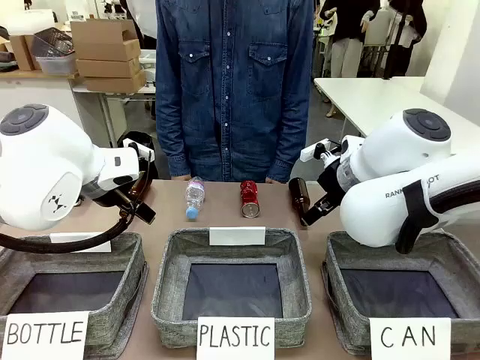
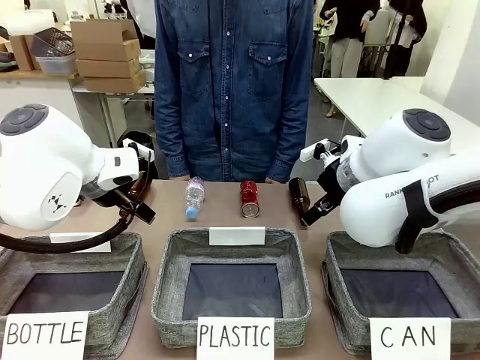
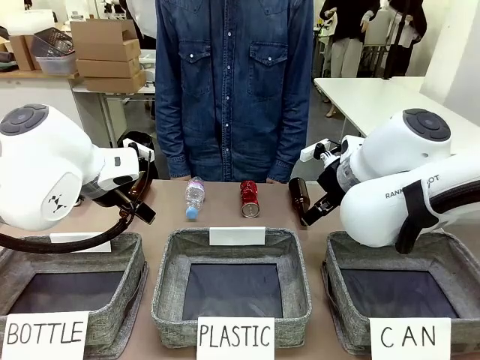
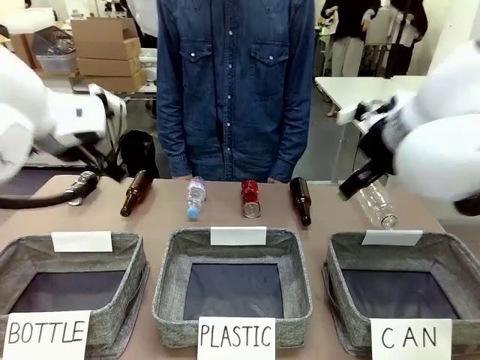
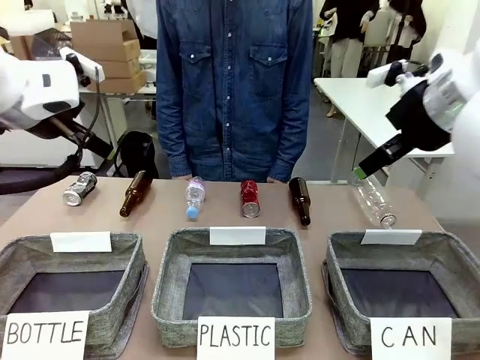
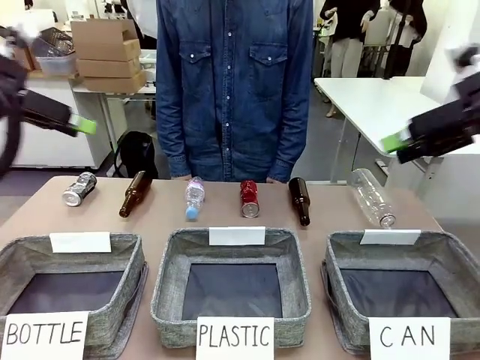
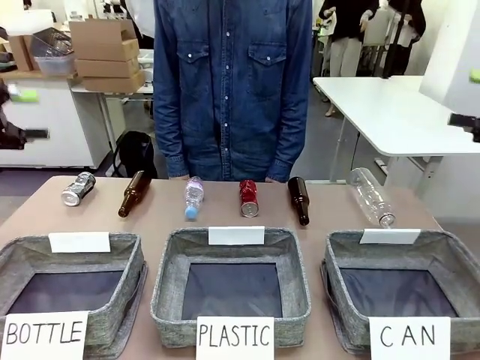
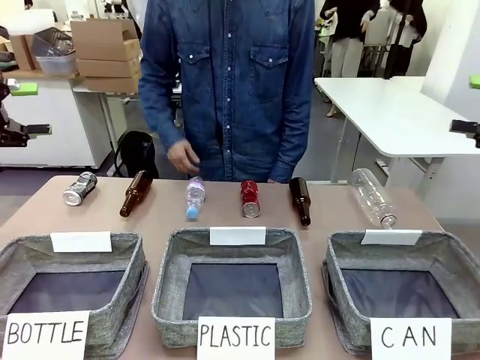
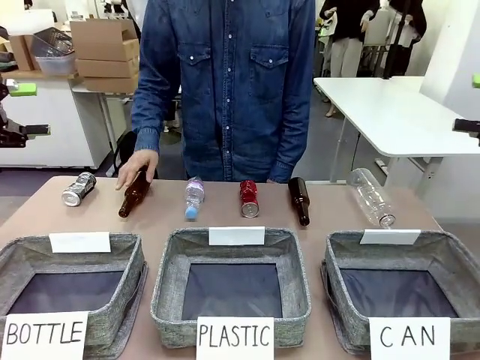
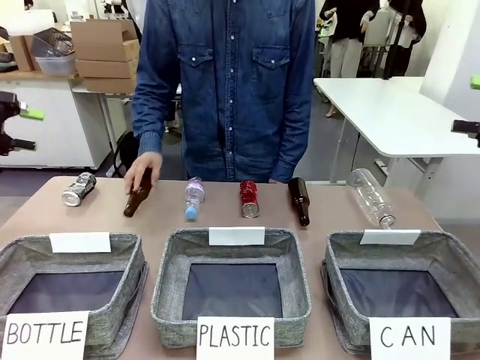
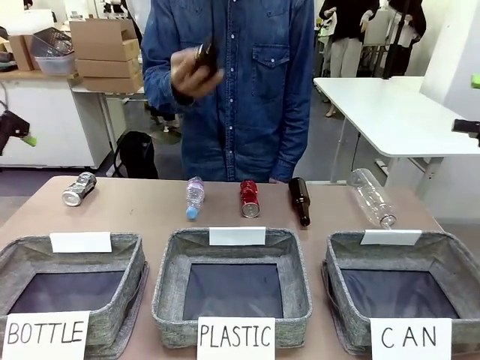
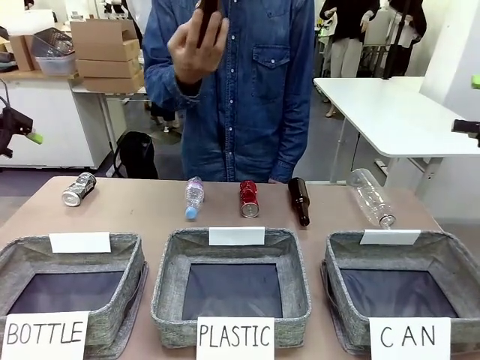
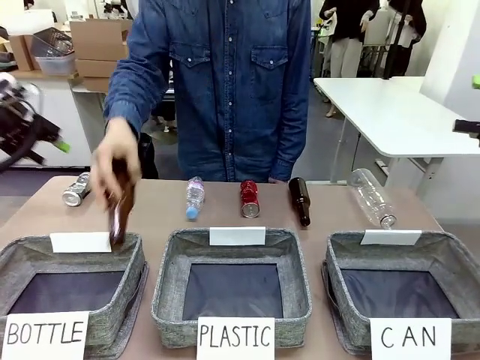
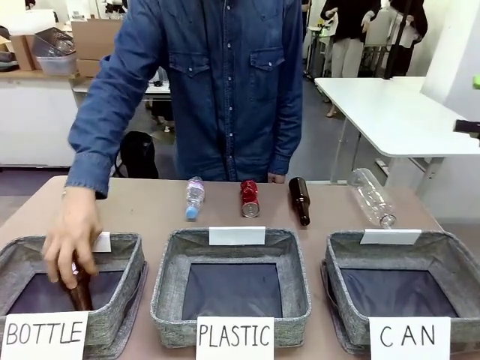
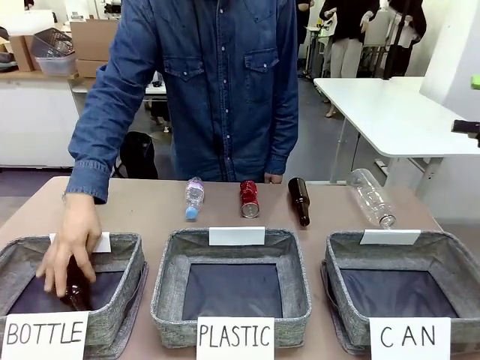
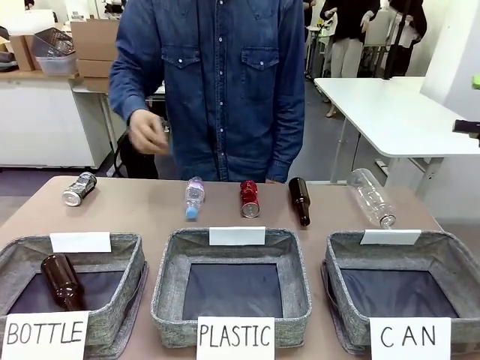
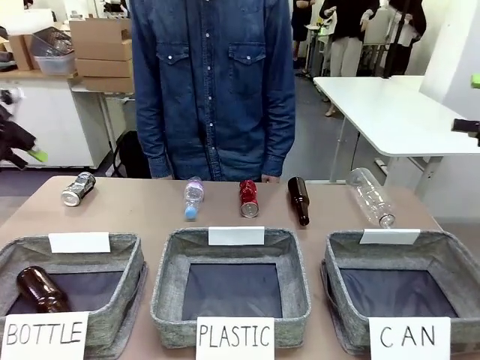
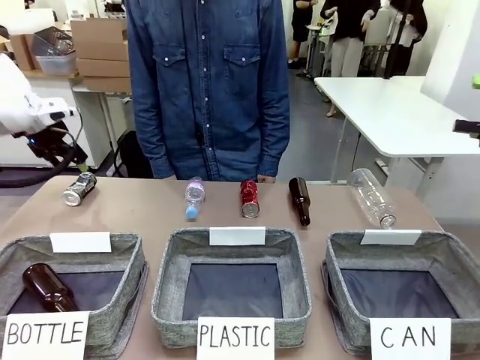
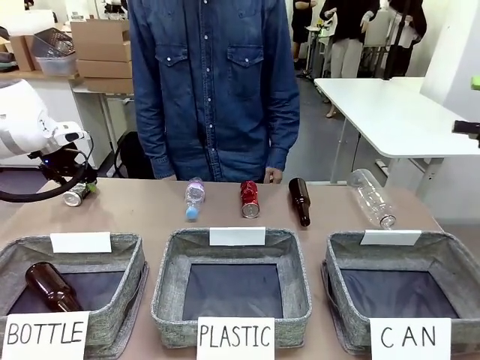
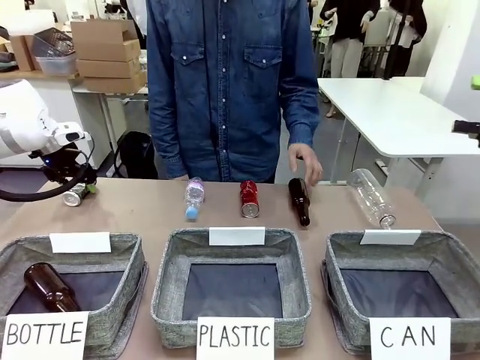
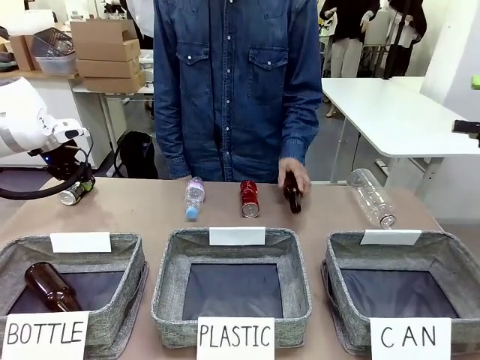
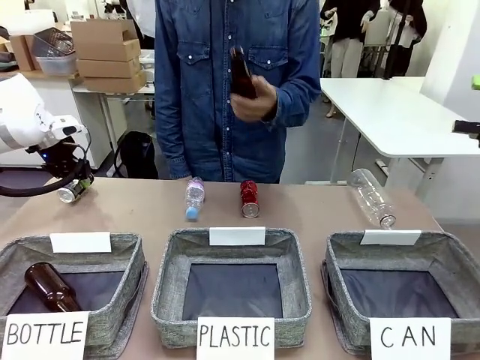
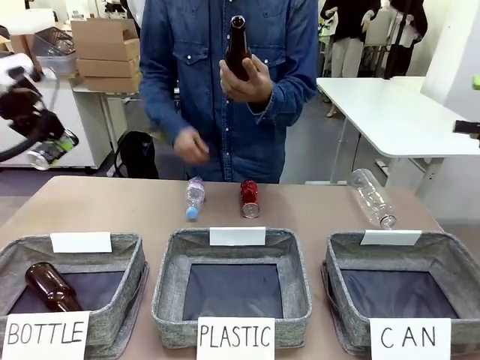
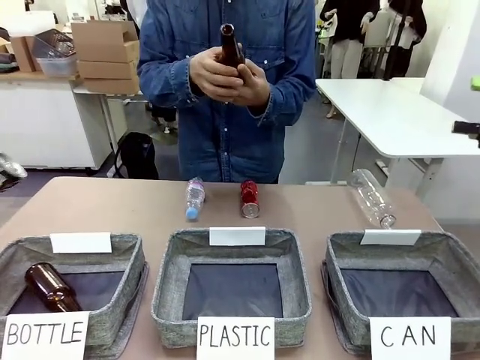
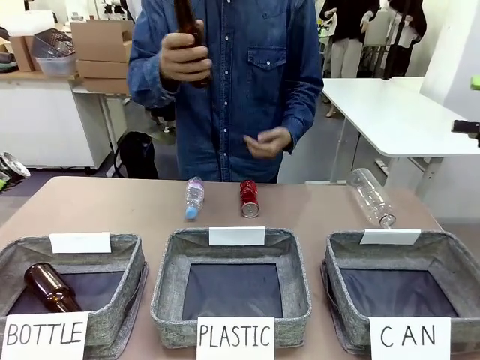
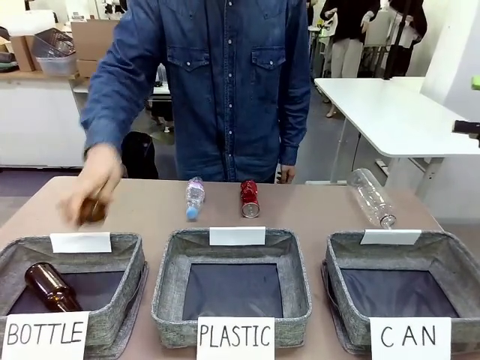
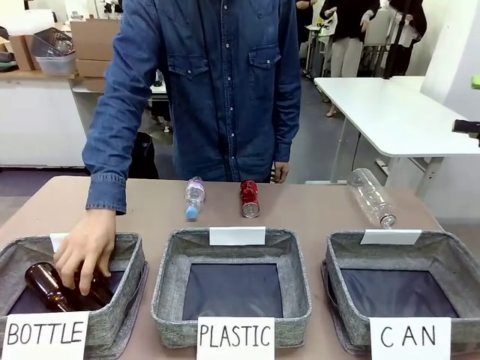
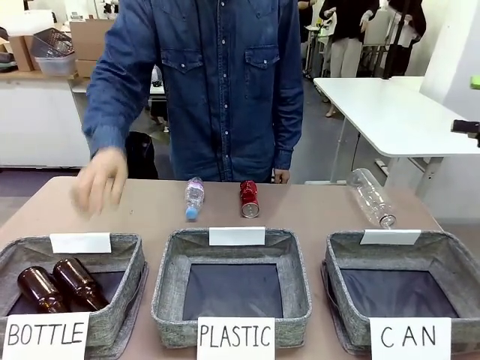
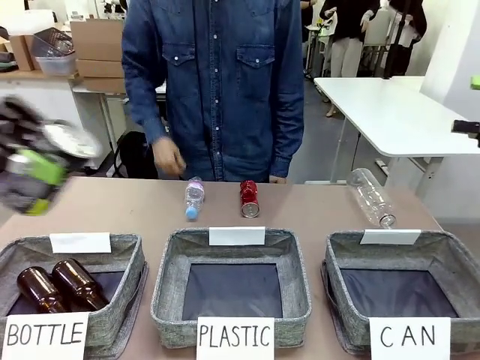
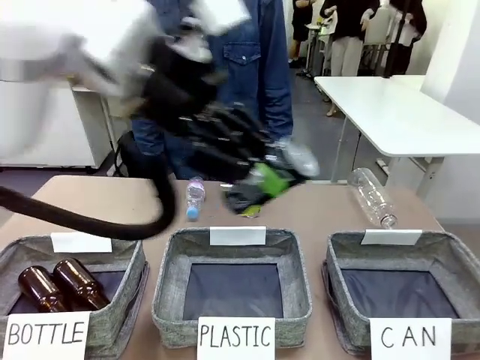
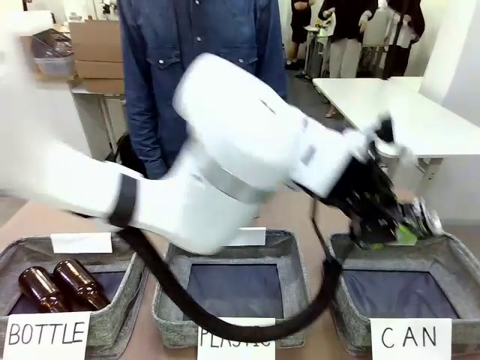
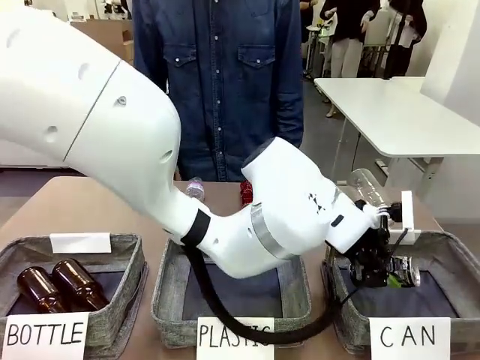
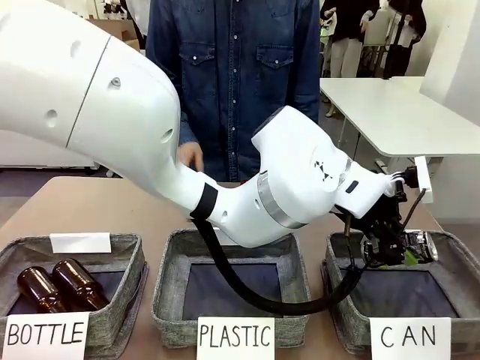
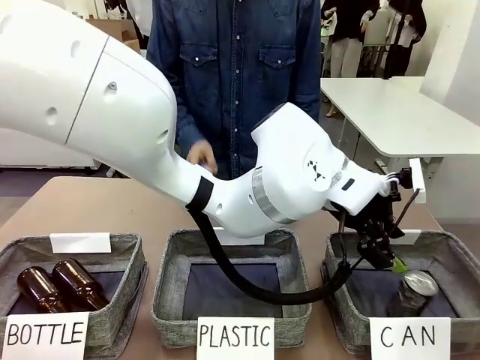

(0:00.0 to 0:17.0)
Task: Sort the can waste into the basket.
Robot: Pick up the can waste from the table and place it in the right Fabric basket.

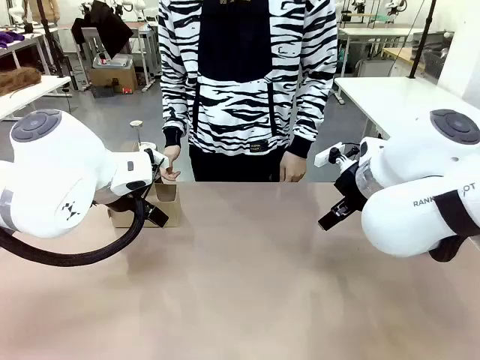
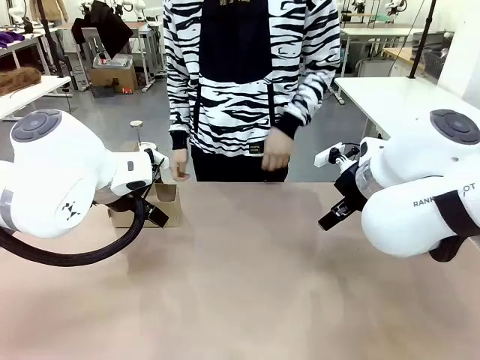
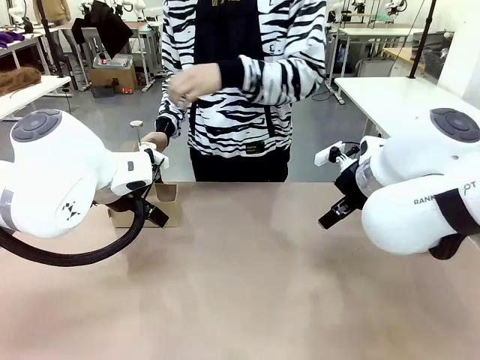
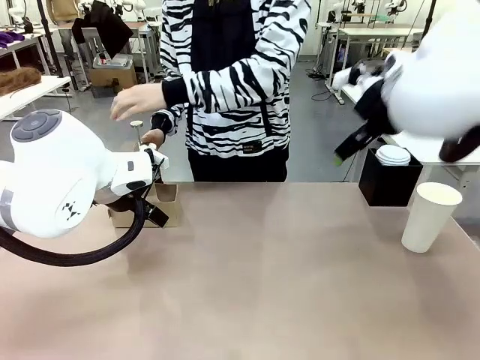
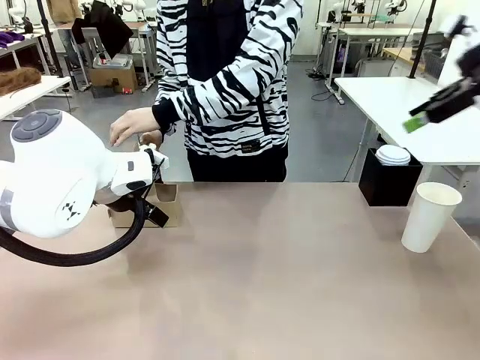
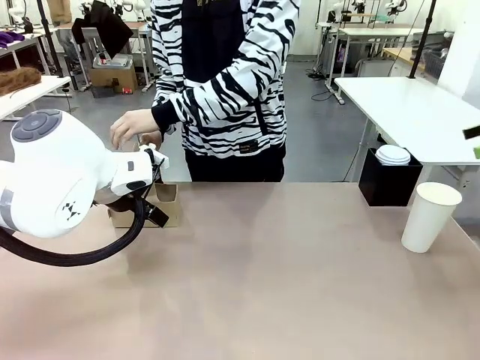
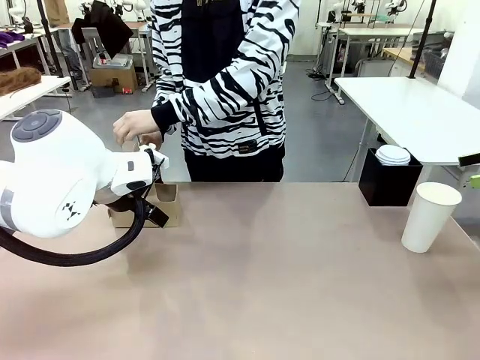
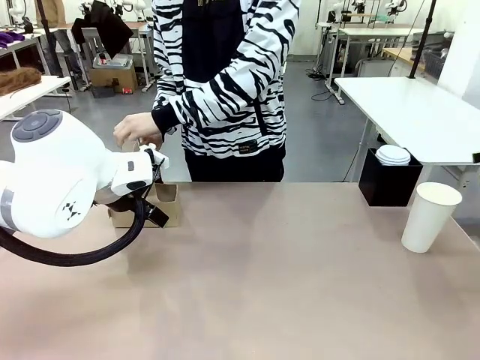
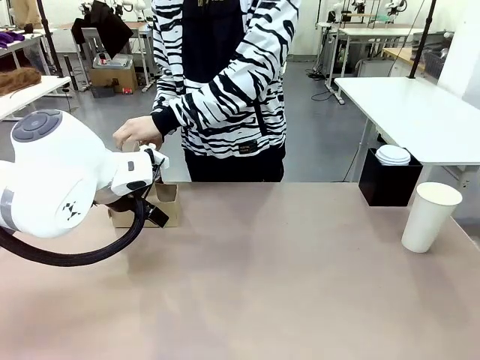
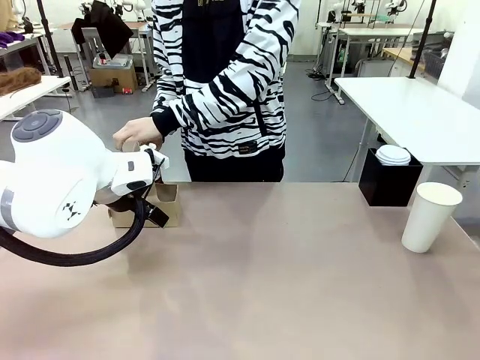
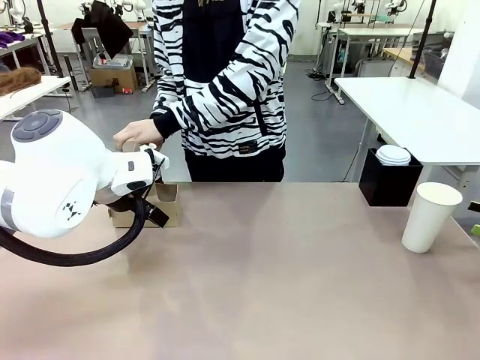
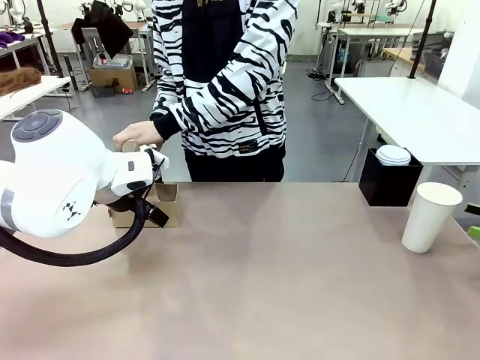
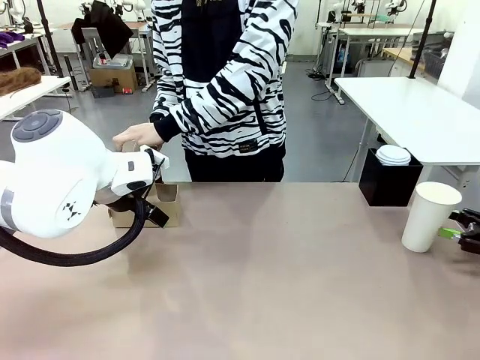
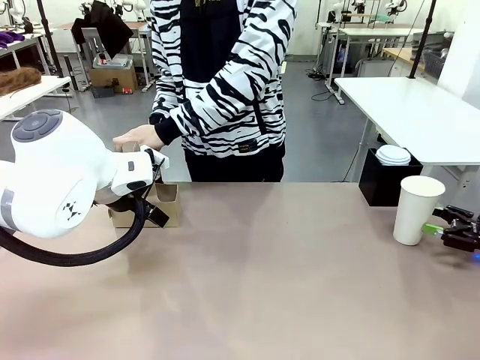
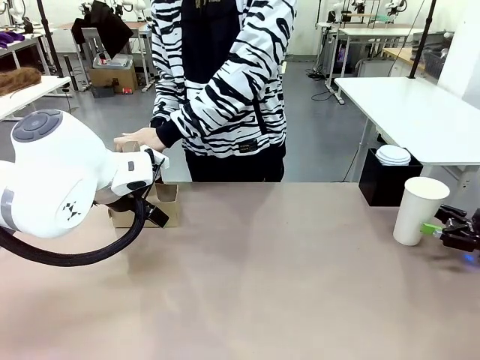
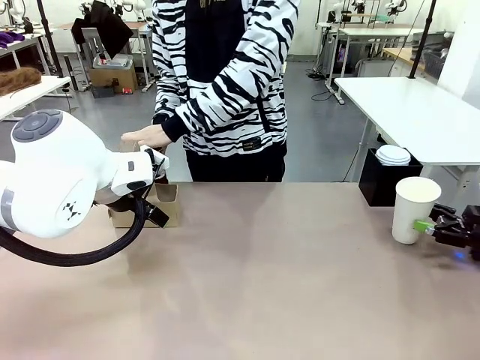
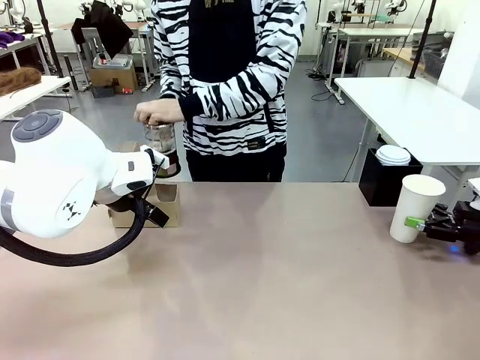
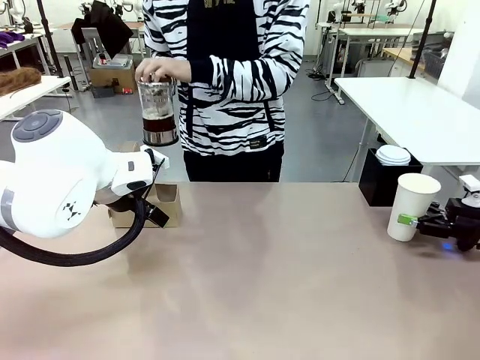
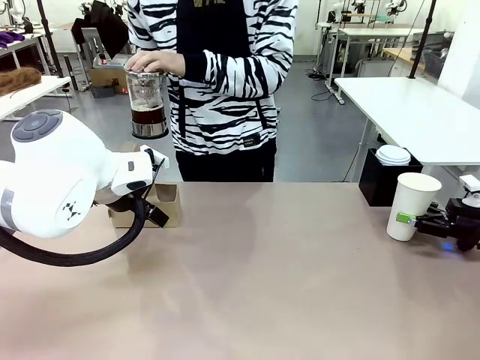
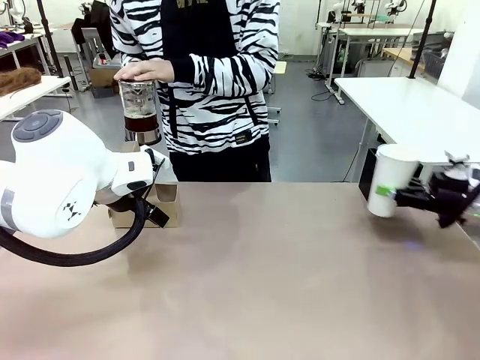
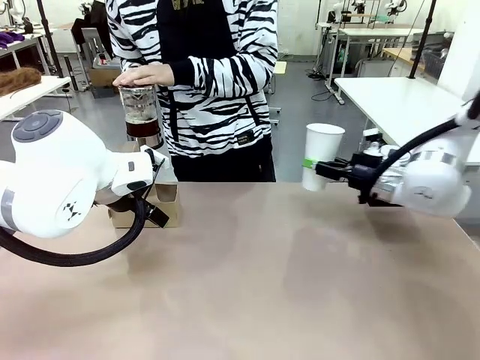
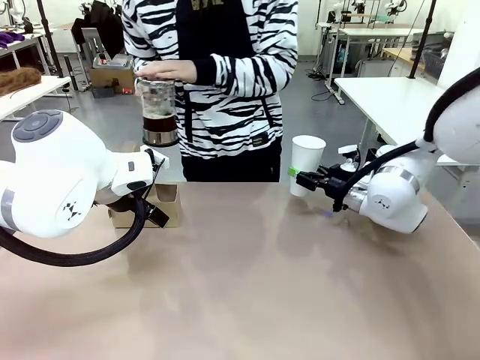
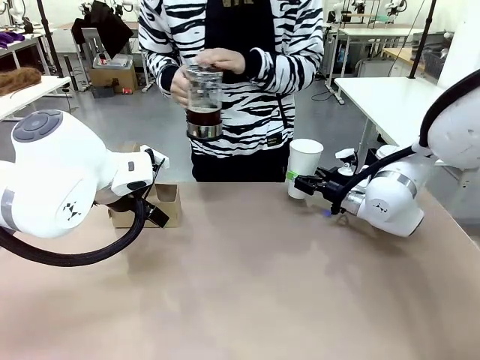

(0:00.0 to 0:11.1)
Task: Pour a drink into a cup and package it in a carrier.
Robot: Pick up the 600 ml Paper Cup and place it in the middle top area of the table.
Person: Press and pick up the Filter Brewing.
